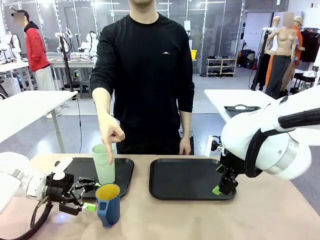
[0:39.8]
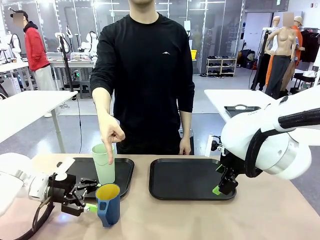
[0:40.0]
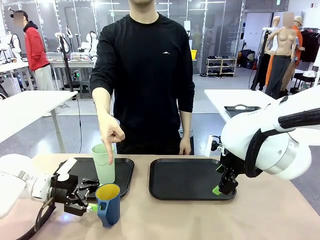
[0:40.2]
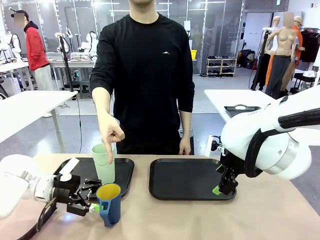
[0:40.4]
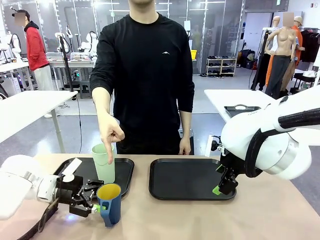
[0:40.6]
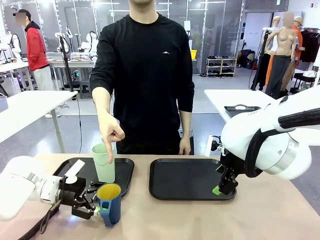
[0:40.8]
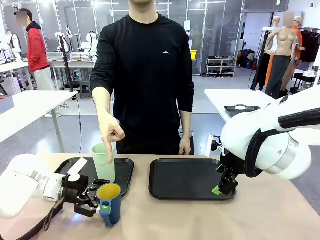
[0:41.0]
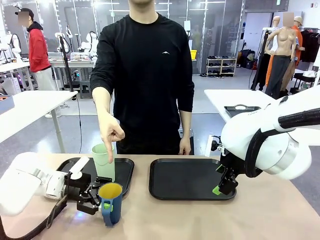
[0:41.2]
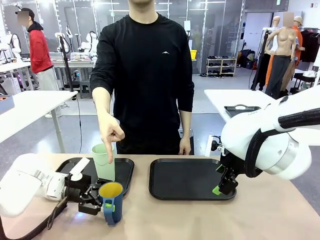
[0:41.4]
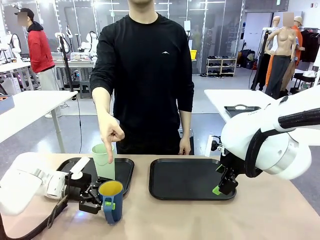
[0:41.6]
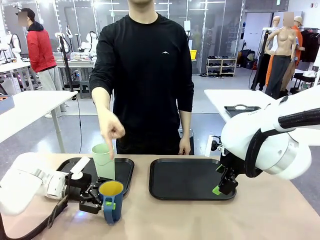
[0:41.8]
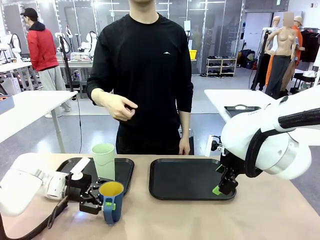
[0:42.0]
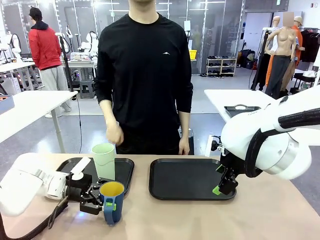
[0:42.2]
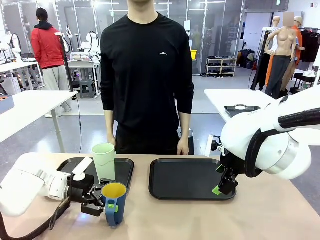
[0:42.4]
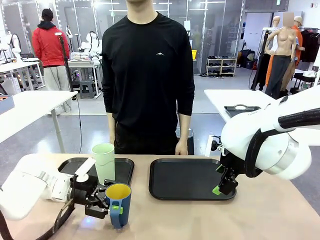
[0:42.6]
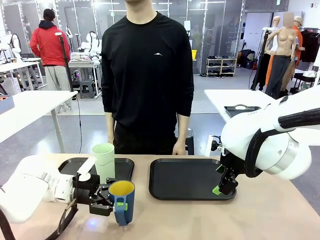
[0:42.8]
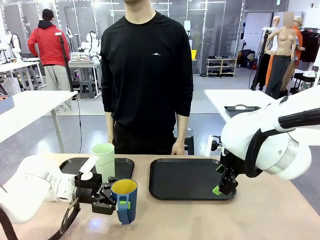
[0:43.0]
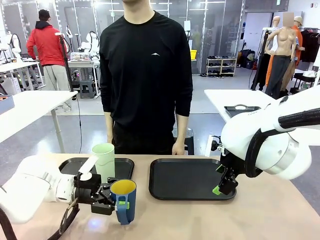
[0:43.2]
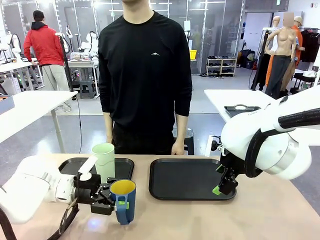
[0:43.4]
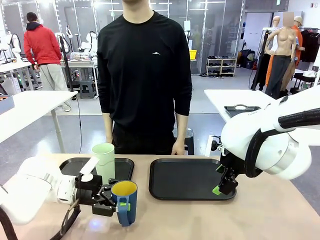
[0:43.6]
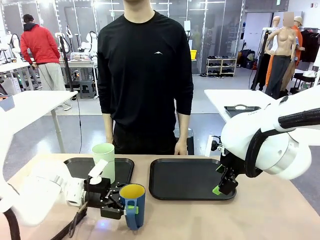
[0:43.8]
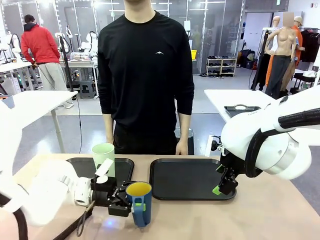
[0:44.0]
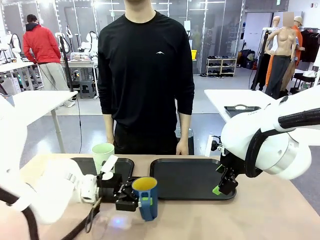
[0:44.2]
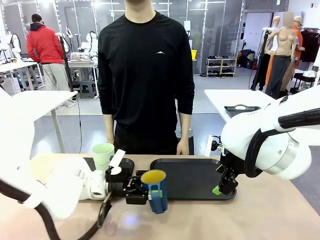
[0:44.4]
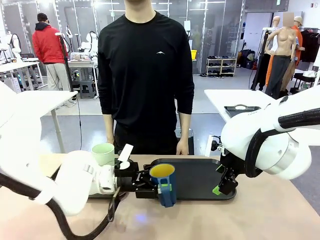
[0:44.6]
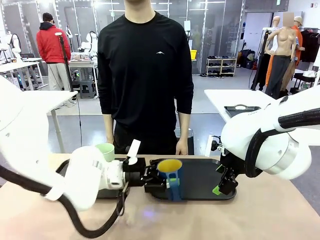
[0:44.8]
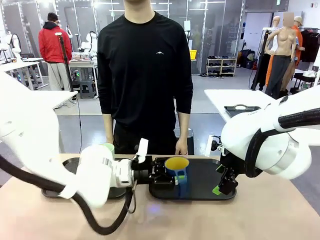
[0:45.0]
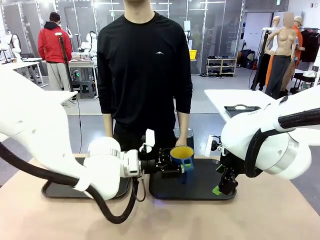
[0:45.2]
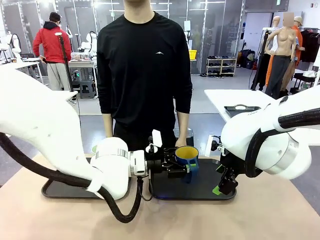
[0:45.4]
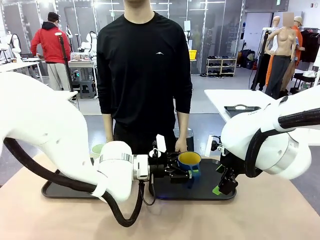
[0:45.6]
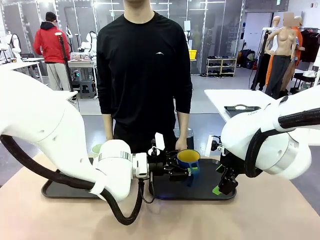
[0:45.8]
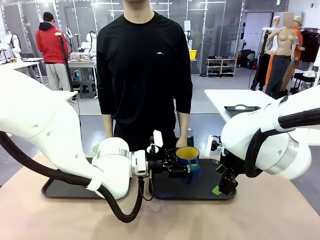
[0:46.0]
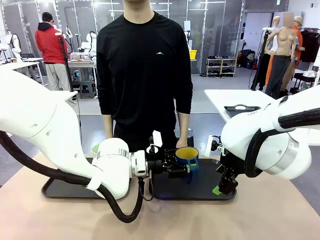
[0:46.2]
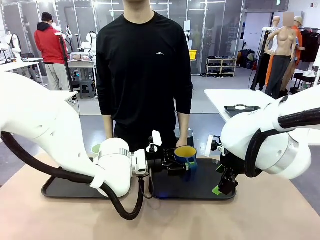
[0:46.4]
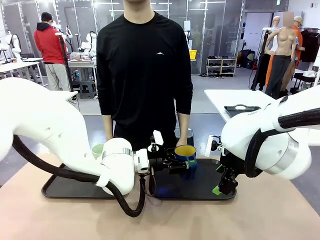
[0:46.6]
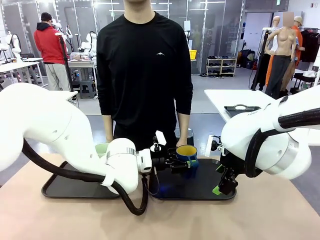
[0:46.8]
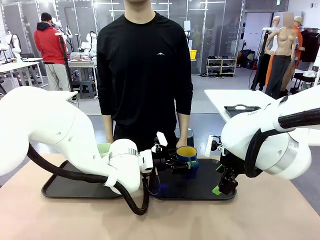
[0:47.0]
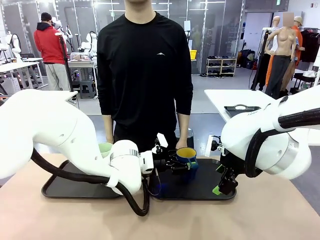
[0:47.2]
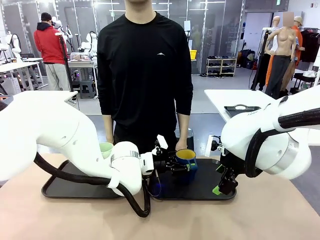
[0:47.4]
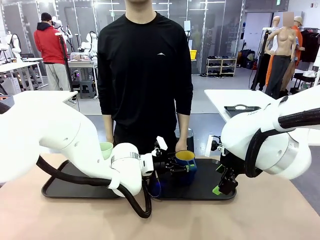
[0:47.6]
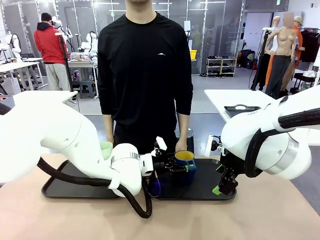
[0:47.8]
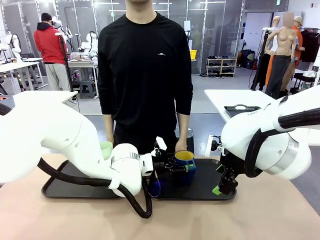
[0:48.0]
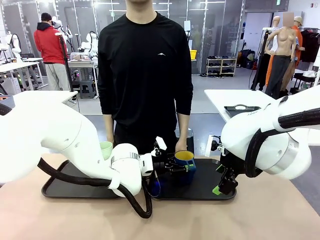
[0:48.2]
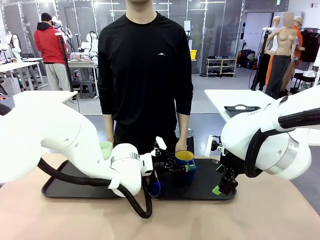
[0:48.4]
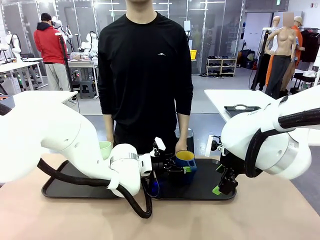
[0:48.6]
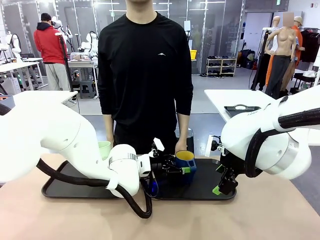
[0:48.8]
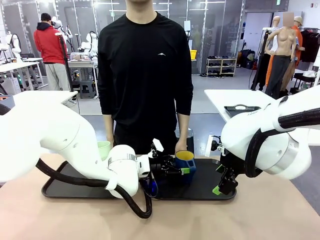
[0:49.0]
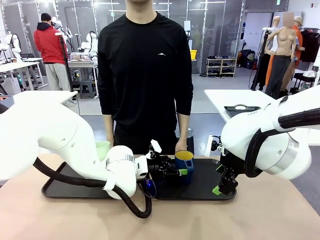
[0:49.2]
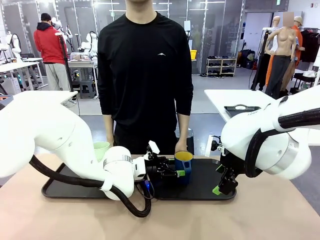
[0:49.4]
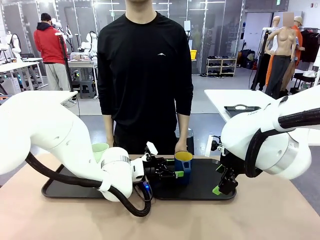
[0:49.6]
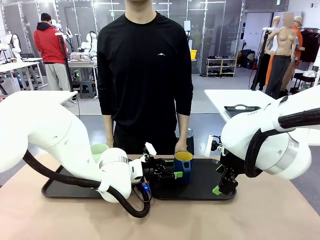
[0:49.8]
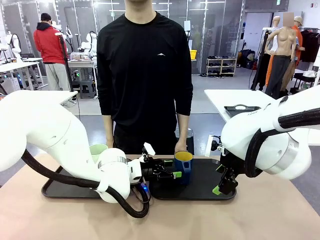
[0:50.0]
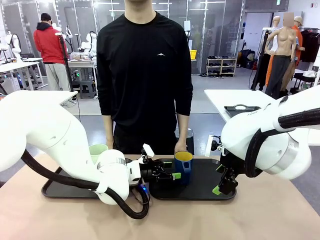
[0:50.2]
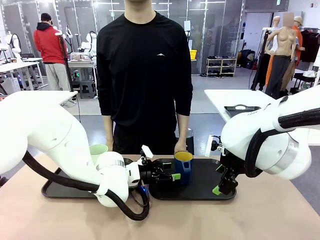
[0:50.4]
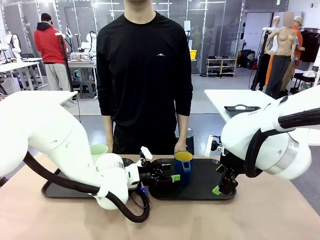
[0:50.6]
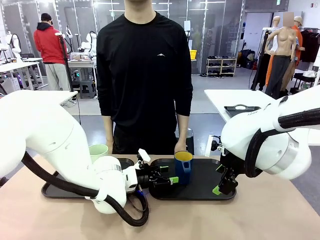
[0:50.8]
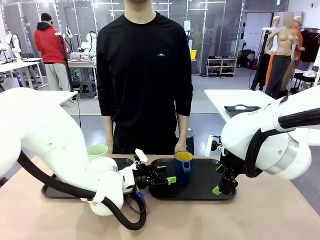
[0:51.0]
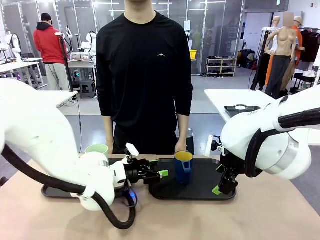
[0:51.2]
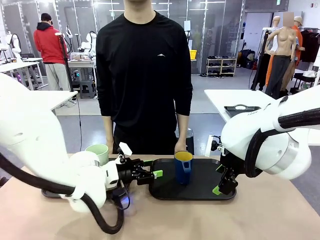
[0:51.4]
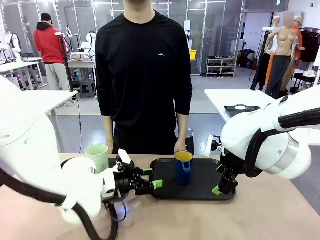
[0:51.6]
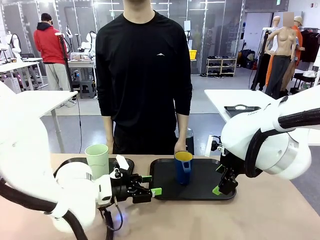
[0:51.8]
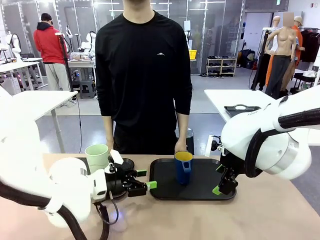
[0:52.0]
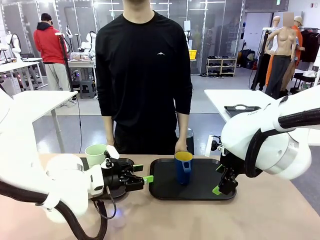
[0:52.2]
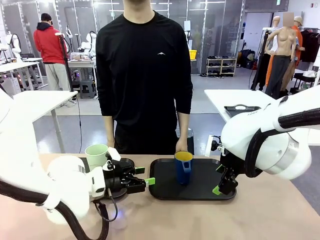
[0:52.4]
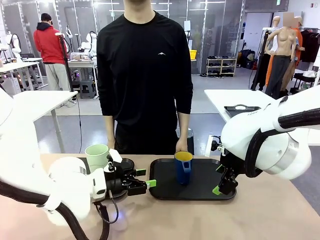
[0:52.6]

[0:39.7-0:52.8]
Task: Sort and store the cups by type.
Robot: Pick up the Handle plastic cup and place it into the empty Flat Tray.

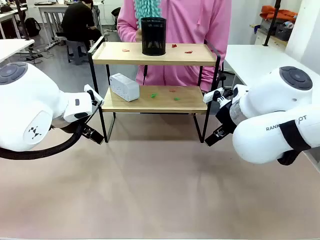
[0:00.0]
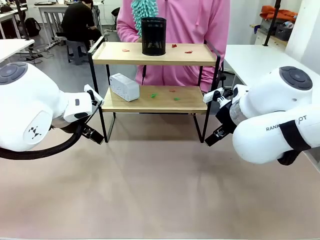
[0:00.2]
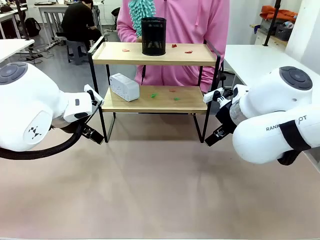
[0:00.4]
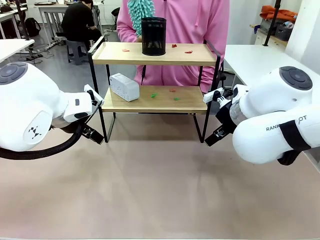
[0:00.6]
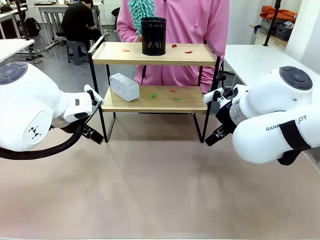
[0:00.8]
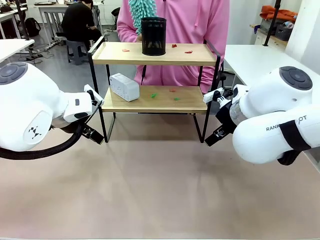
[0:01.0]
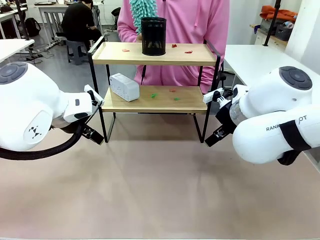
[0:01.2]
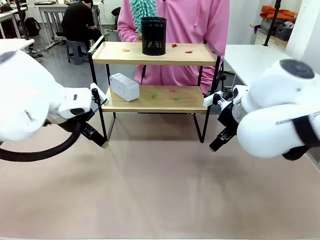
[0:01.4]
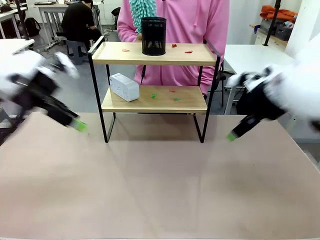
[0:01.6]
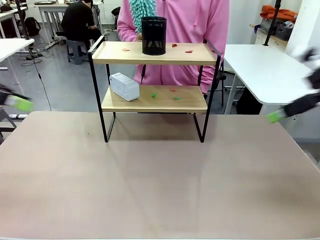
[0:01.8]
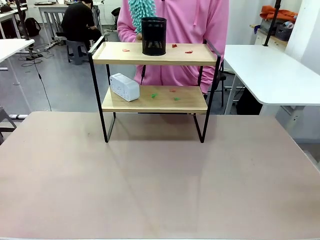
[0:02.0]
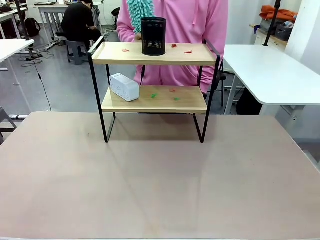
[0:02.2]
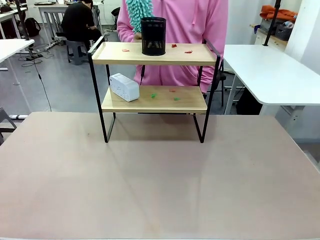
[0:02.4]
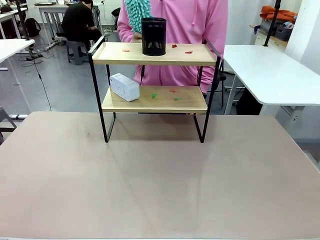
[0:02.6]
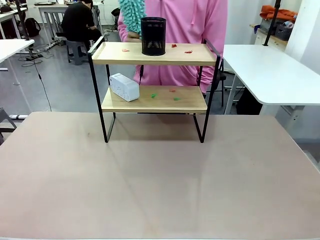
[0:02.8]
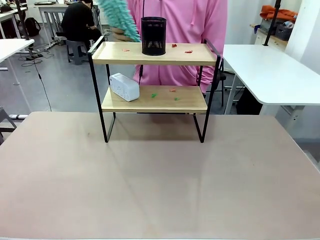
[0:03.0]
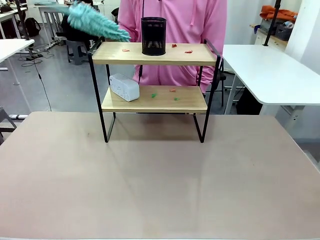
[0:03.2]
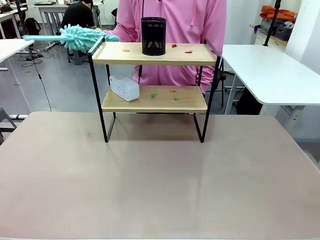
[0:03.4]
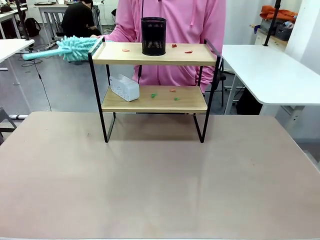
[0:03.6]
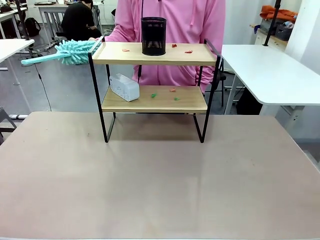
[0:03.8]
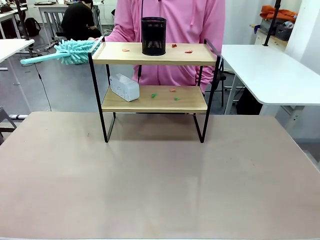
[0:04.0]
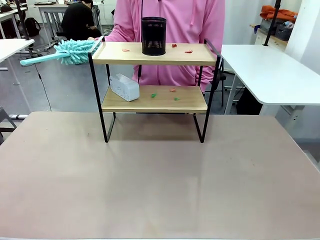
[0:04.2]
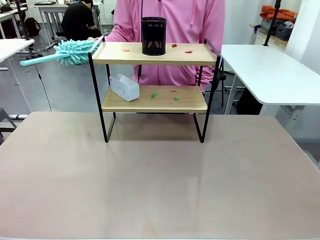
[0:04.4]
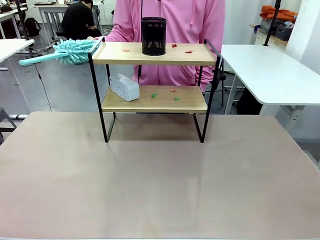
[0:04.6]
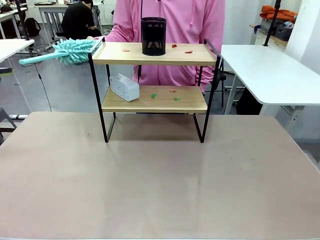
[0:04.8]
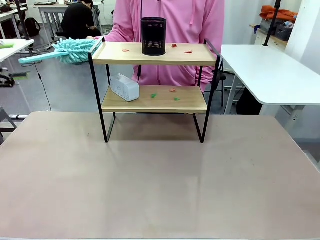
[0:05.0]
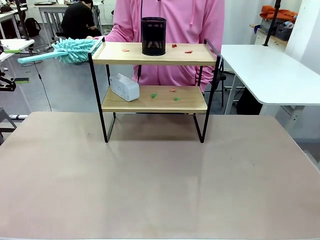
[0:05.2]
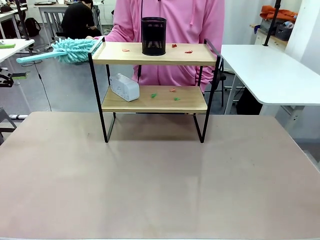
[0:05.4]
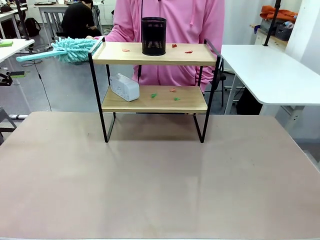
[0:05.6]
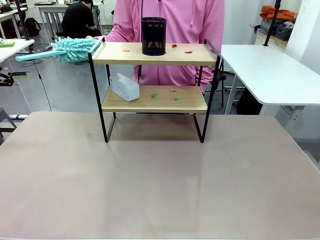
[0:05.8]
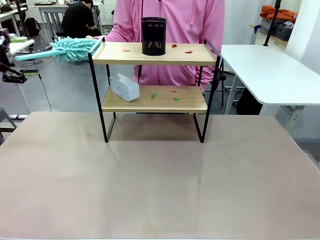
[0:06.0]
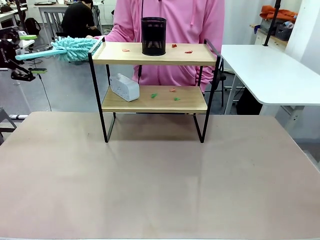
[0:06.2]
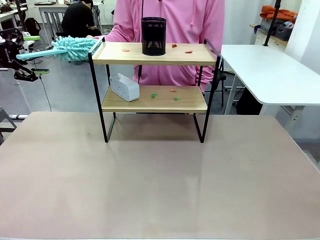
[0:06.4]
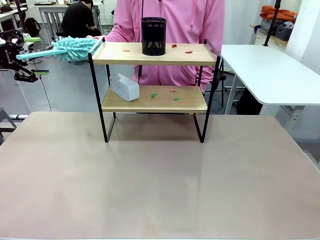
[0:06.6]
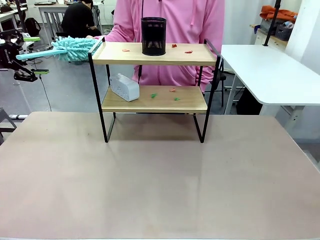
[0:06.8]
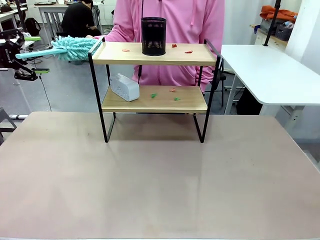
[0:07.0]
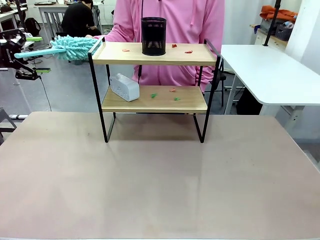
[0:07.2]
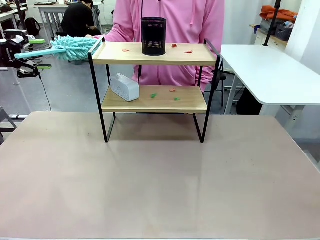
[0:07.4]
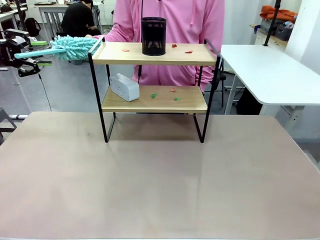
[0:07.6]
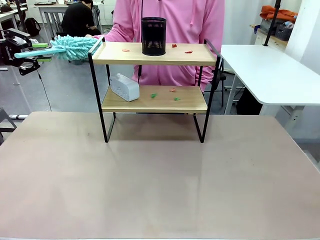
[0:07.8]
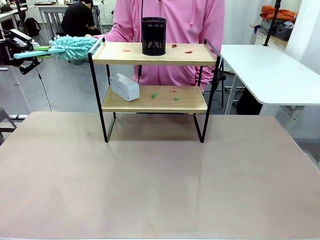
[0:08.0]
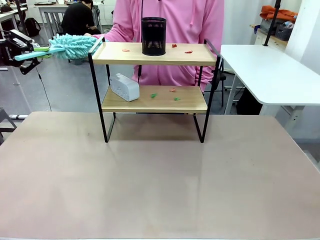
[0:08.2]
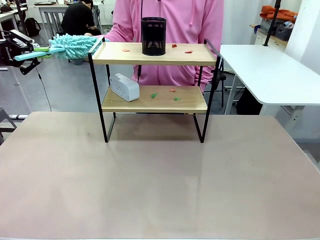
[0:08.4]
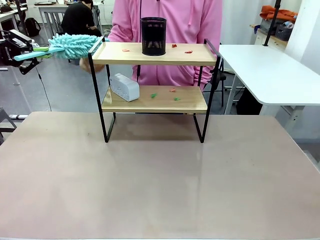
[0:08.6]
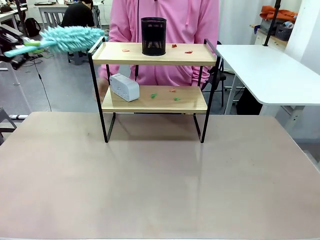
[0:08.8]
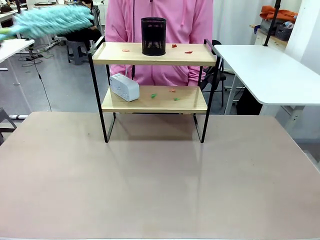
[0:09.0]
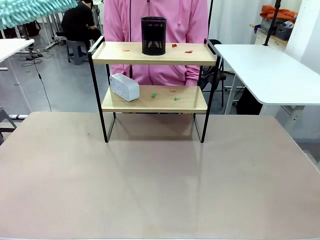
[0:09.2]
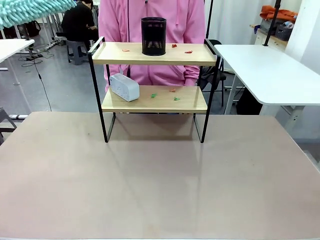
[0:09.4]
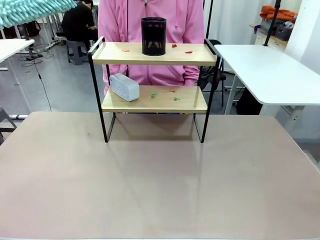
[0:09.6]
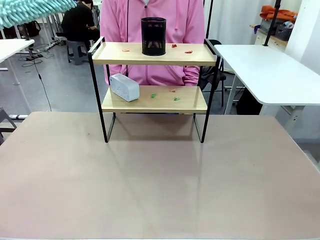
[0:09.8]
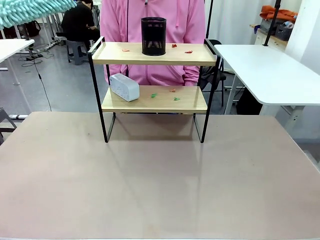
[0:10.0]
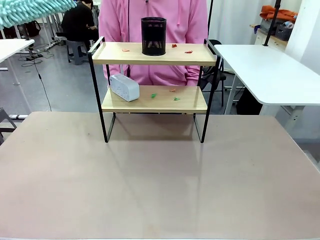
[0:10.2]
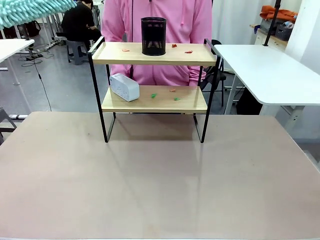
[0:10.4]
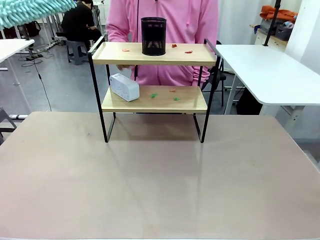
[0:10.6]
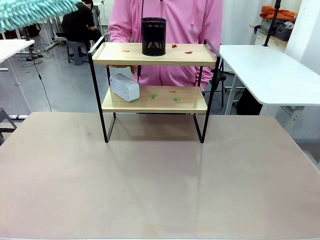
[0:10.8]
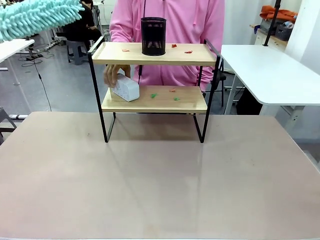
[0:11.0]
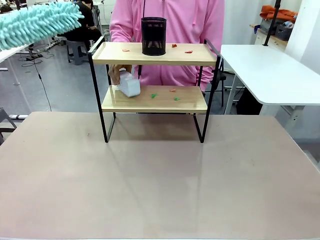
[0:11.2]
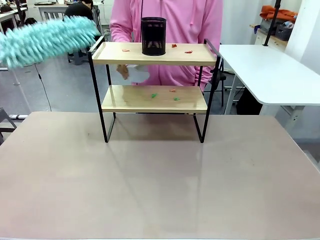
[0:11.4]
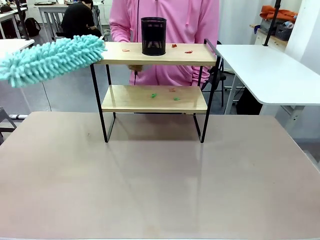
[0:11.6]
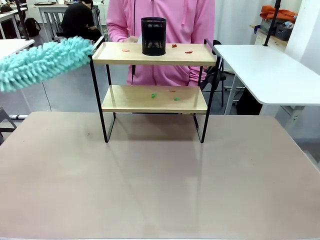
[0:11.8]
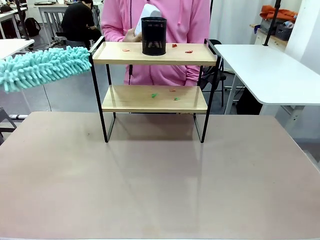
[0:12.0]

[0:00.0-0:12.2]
Task: Clean the shelf.
Robot: Pick up the Duster from the human.
Person: Hand the Duster to the robot. Lift the objects on a randomly selected tier of the Shelf.
